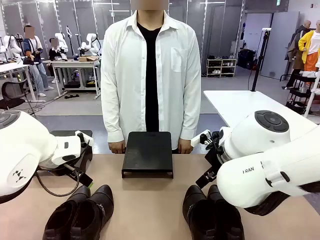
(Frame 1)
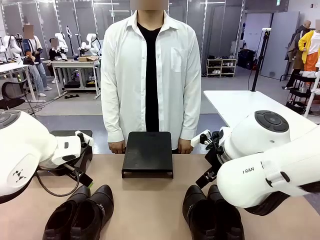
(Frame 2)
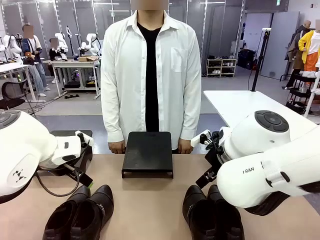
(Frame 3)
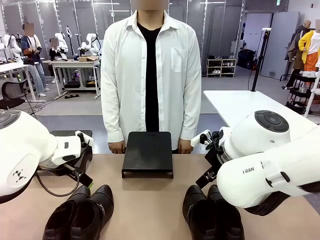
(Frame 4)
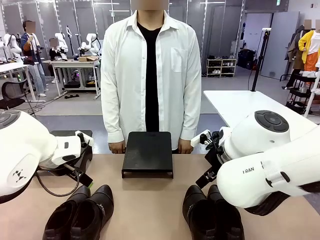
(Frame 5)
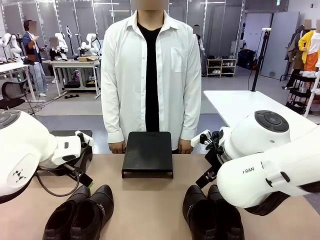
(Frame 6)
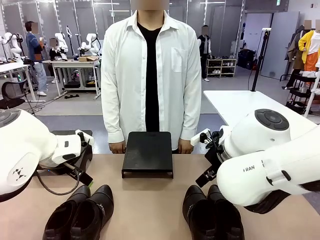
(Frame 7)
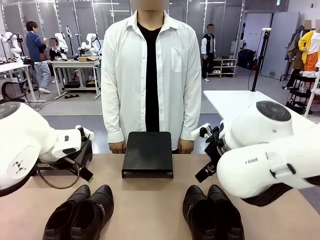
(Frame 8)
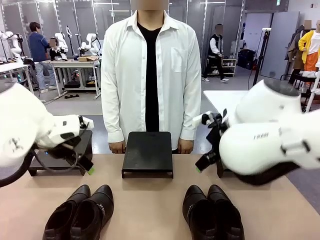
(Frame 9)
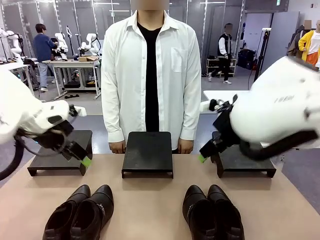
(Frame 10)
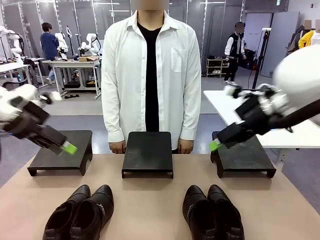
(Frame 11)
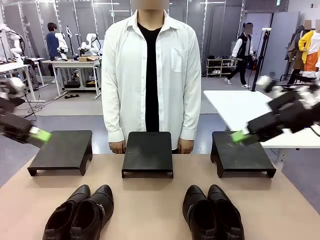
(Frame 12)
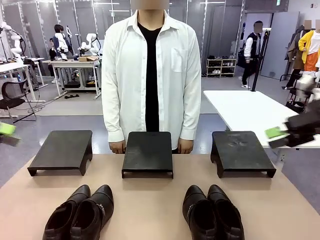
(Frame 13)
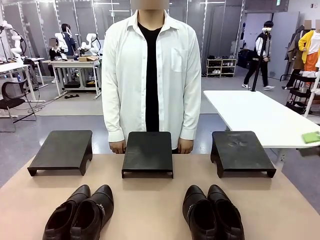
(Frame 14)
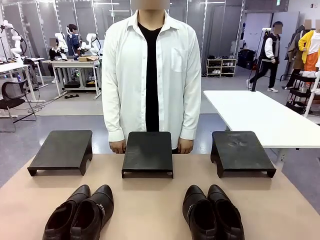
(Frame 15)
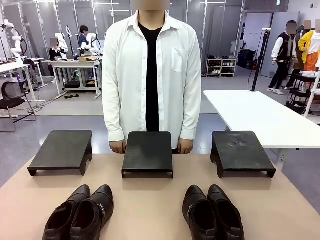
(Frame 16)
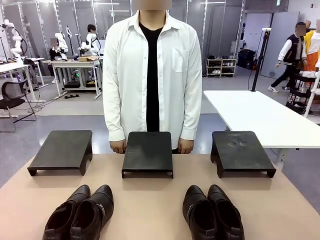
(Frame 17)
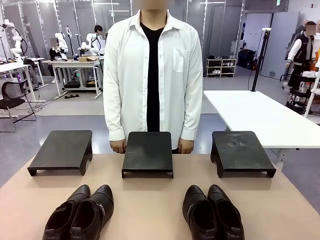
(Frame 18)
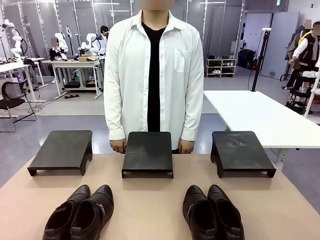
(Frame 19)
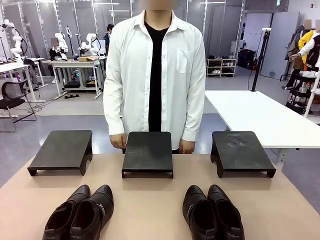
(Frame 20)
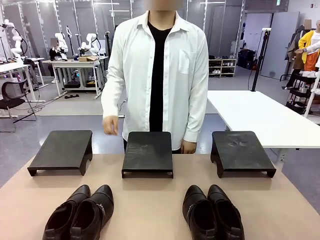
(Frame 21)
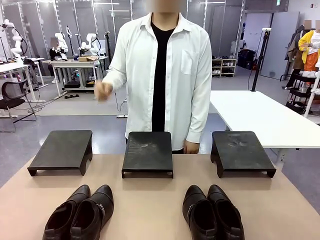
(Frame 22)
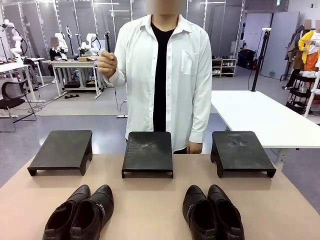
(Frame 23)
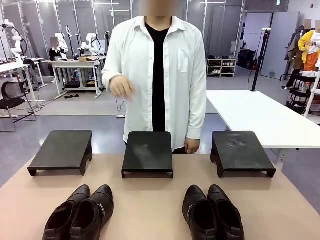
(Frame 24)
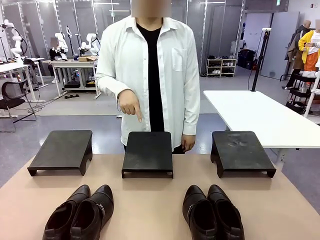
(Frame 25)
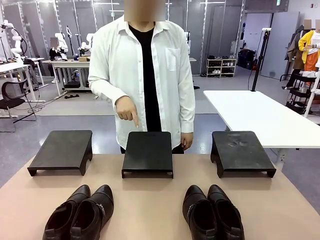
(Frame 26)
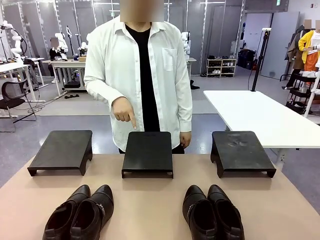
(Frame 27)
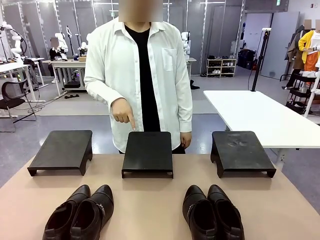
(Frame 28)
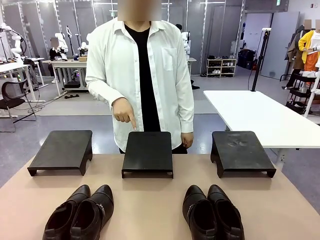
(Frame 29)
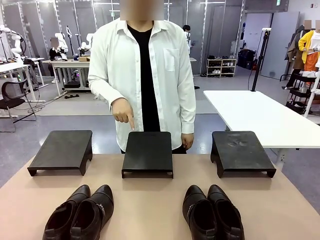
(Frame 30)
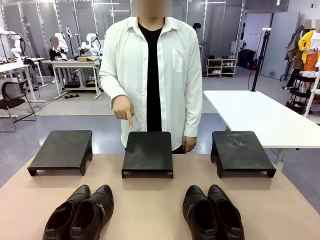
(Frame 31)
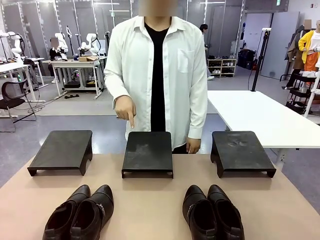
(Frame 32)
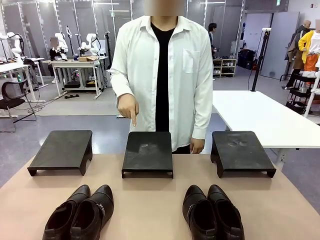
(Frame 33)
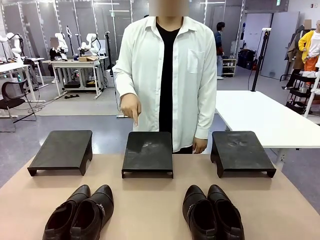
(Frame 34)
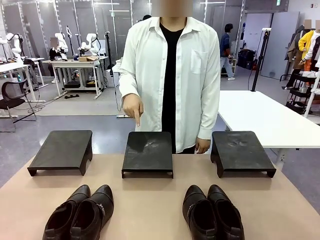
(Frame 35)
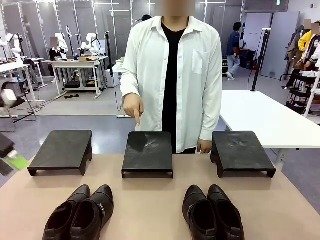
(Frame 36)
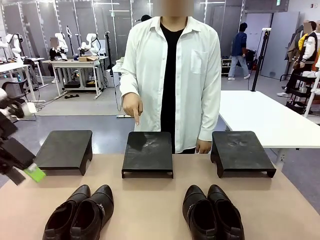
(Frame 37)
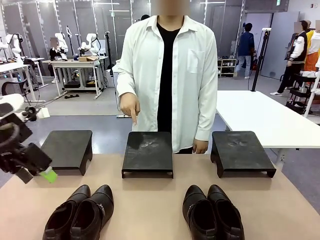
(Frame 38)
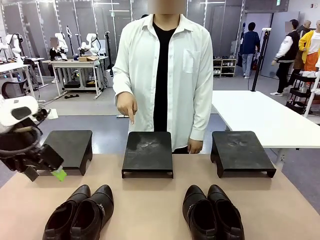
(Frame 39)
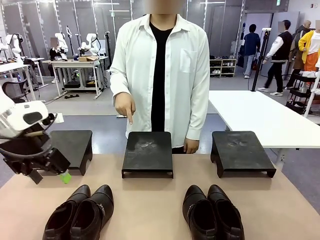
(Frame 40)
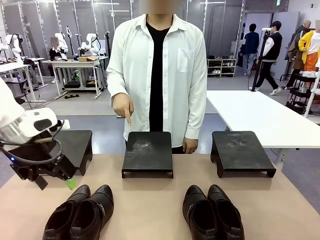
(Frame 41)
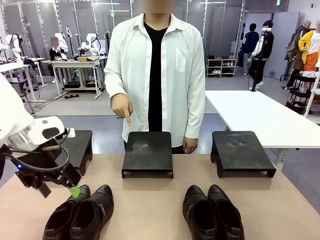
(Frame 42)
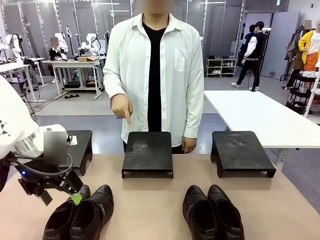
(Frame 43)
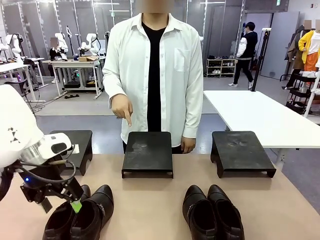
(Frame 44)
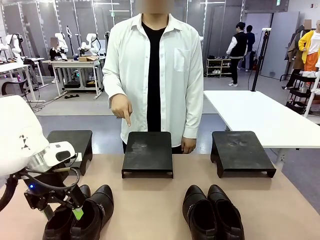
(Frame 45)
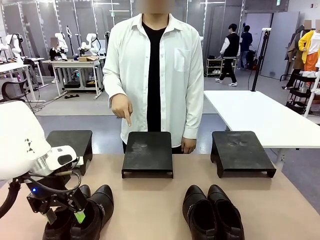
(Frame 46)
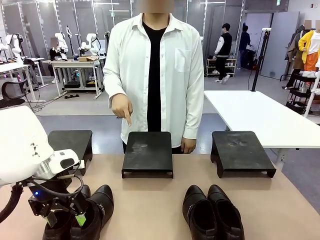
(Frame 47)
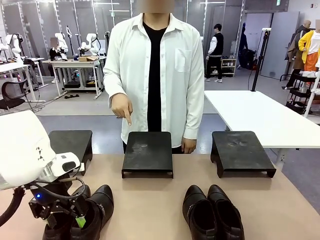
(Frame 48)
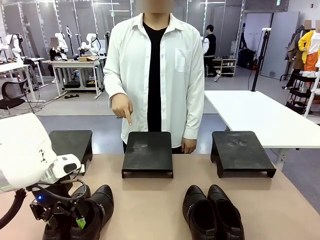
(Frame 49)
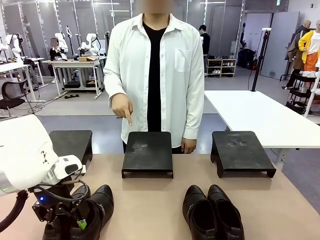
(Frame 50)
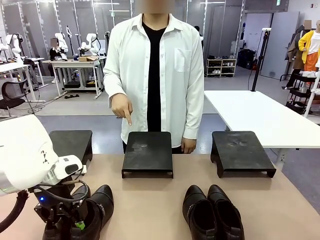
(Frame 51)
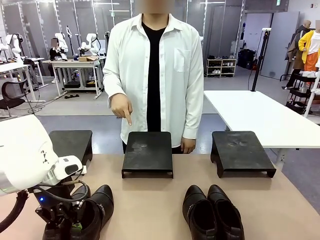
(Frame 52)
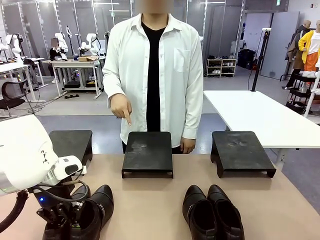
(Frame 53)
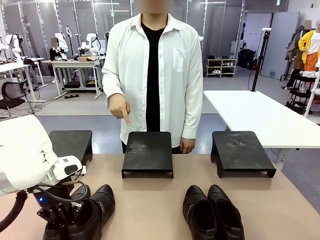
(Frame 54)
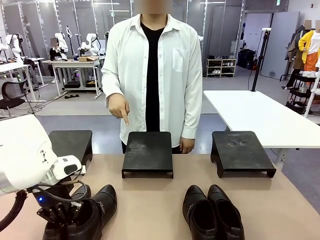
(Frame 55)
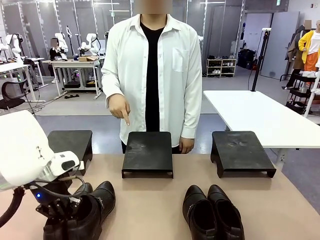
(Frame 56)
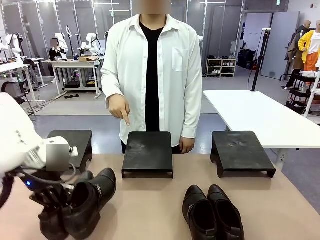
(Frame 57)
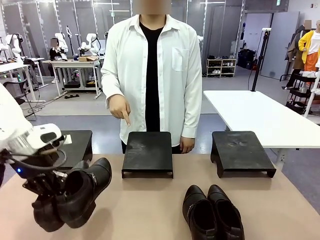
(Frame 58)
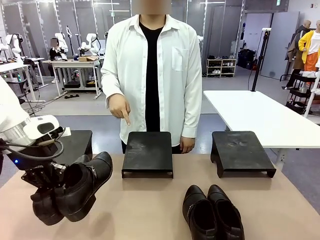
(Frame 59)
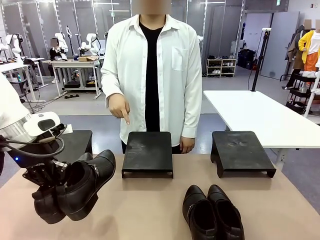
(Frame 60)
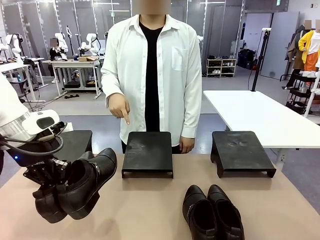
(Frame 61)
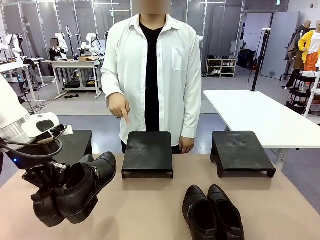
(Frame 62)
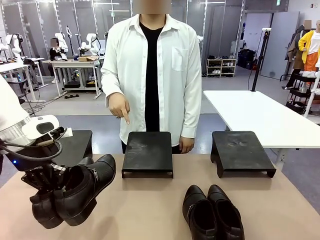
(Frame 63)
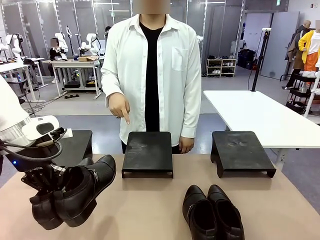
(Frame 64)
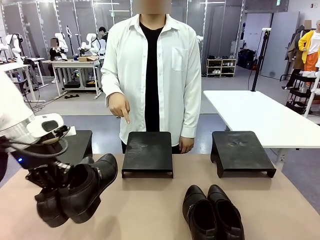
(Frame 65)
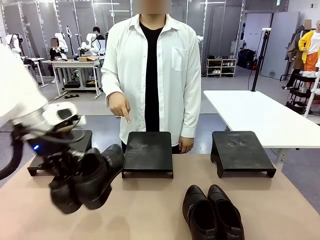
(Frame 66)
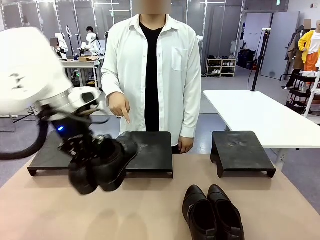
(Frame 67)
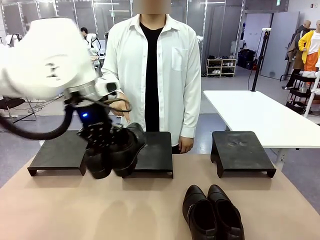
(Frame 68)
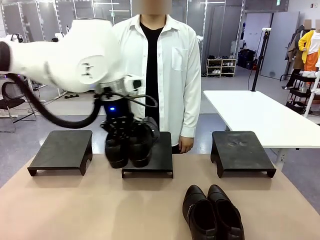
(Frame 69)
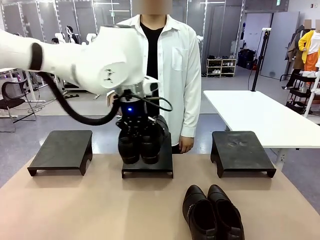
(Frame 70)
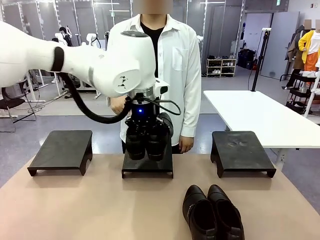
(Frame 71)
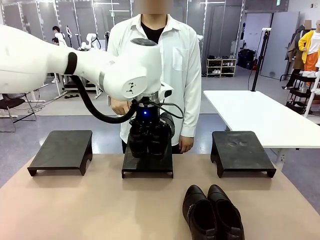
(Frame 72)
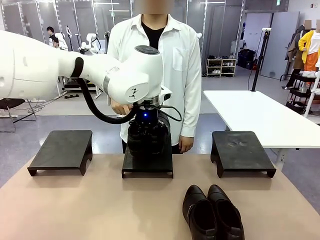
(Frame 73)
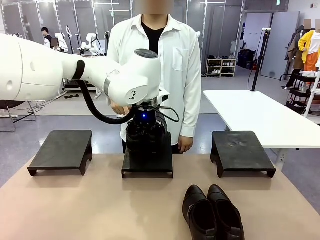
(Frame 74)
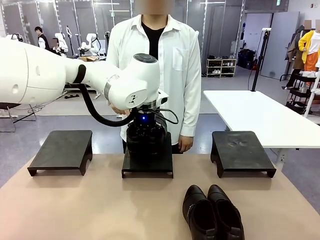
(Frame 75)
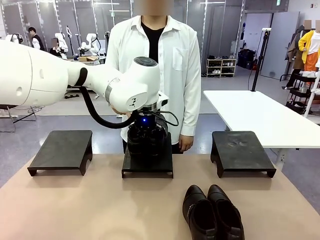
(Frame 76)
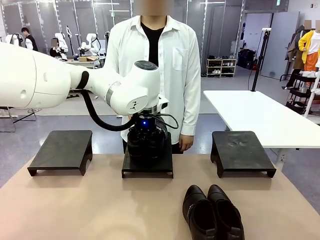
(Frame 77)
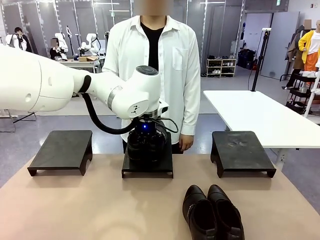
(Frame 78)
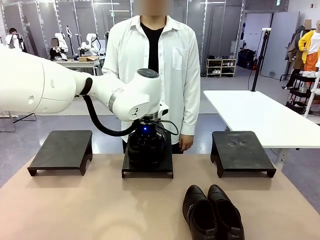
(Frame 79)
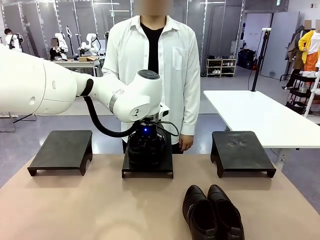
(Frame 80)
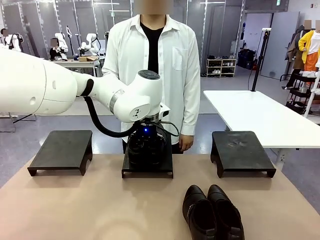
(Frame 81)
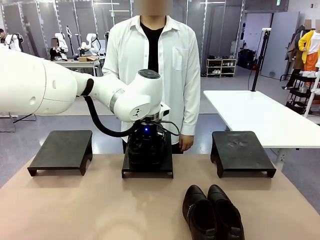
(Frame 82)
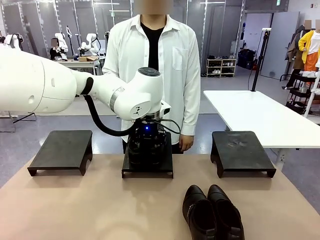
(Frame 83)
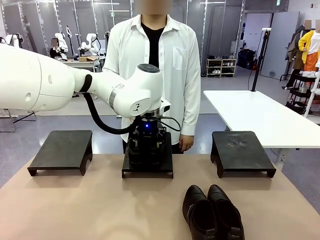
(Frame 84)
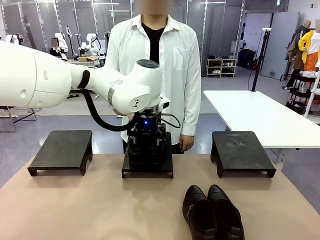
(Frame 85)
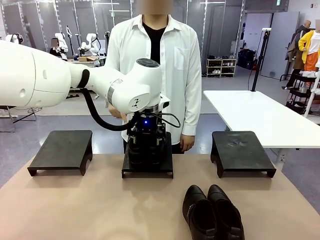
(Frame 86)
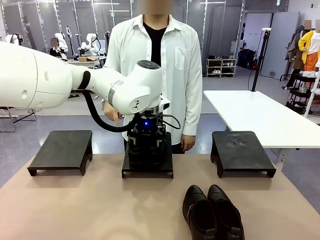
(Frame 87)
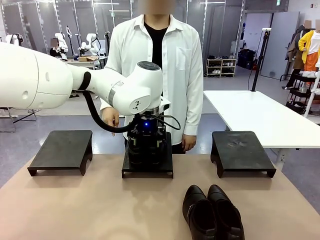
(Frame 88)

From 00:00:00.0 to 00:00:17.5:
Task: Place the shoes on the stand as instructed by the person.
Robot: Pick up one pair of Shoes and place it on the Shoes Stand indicated by the person.
